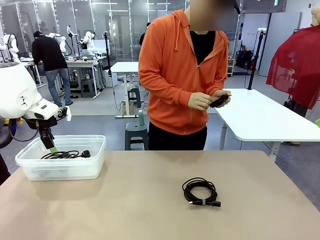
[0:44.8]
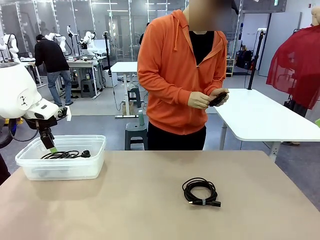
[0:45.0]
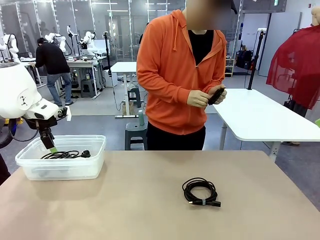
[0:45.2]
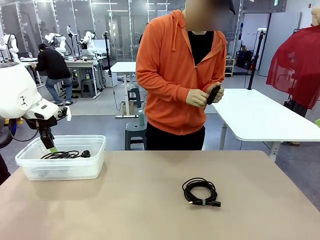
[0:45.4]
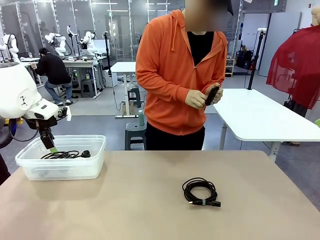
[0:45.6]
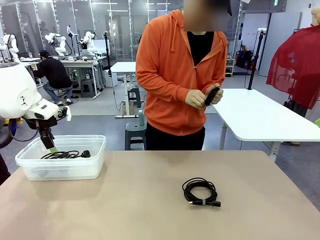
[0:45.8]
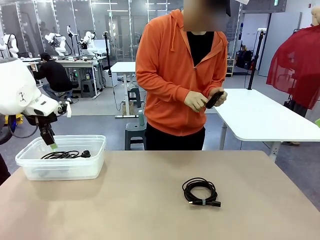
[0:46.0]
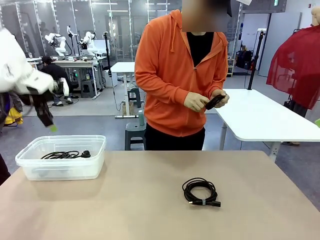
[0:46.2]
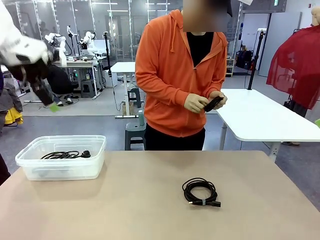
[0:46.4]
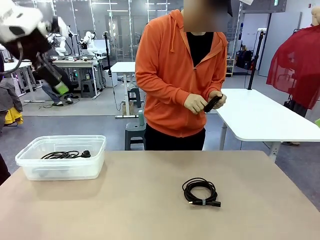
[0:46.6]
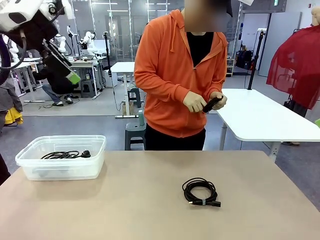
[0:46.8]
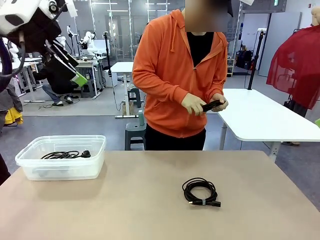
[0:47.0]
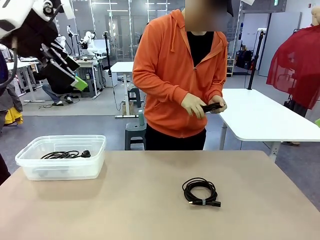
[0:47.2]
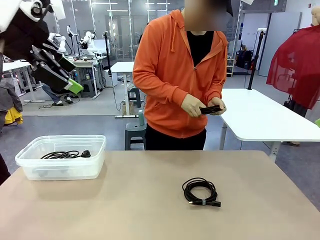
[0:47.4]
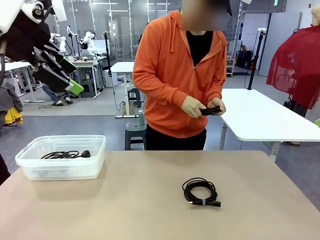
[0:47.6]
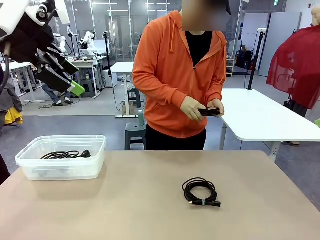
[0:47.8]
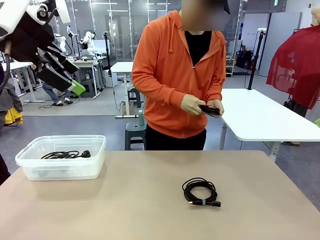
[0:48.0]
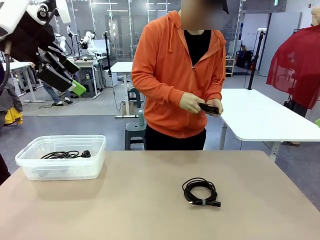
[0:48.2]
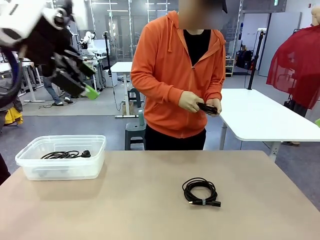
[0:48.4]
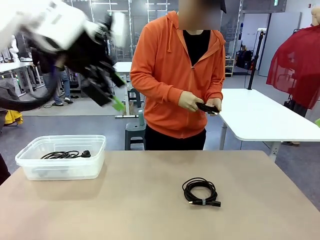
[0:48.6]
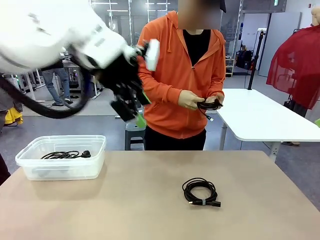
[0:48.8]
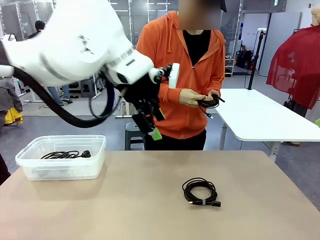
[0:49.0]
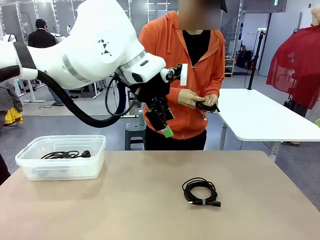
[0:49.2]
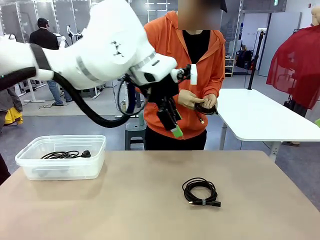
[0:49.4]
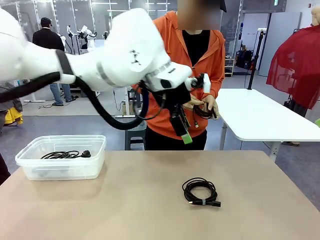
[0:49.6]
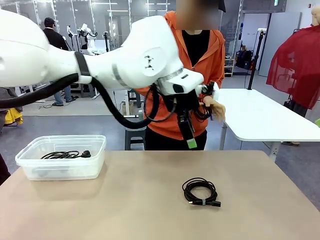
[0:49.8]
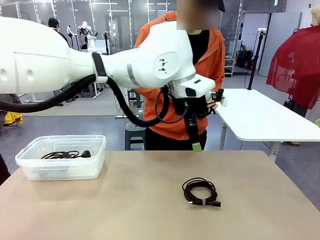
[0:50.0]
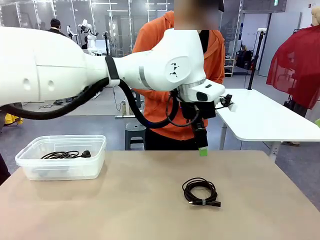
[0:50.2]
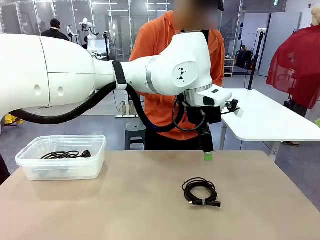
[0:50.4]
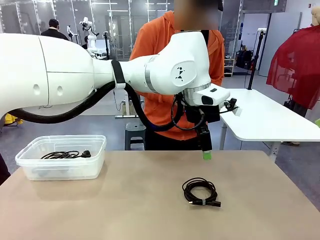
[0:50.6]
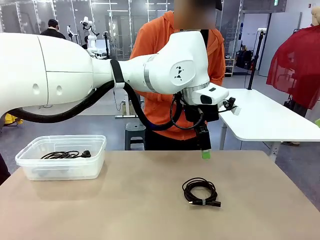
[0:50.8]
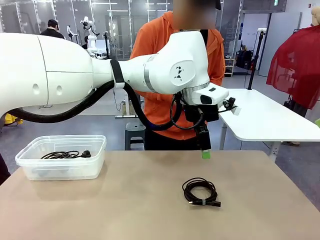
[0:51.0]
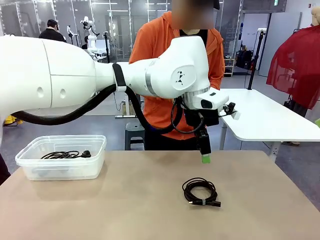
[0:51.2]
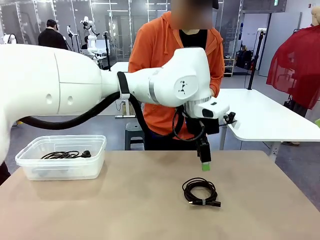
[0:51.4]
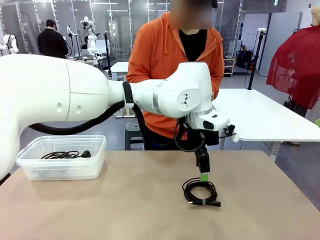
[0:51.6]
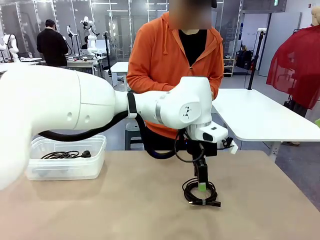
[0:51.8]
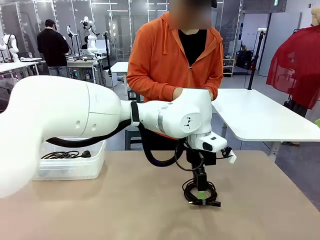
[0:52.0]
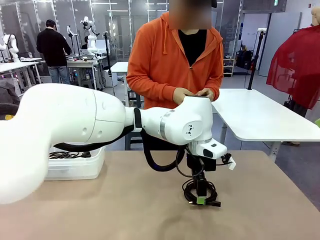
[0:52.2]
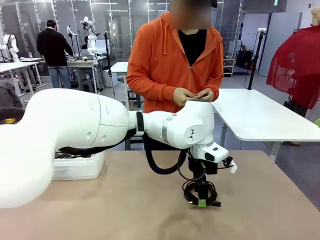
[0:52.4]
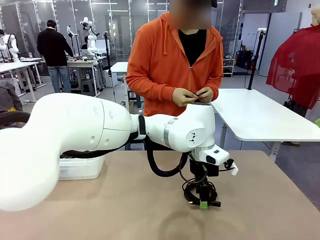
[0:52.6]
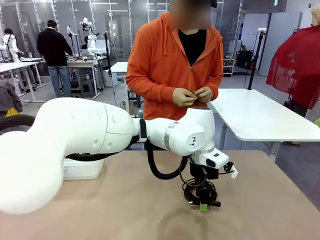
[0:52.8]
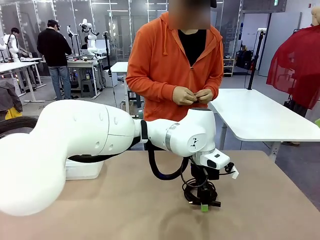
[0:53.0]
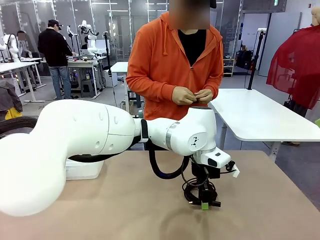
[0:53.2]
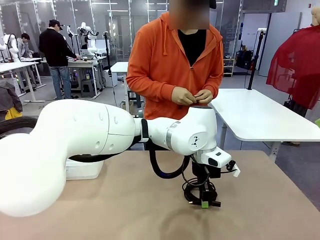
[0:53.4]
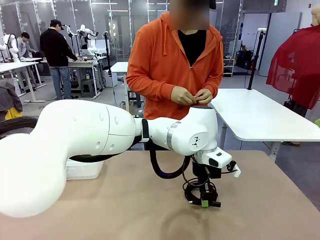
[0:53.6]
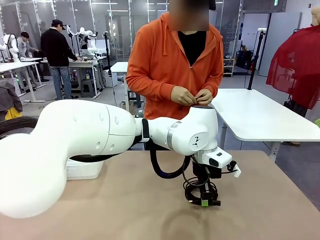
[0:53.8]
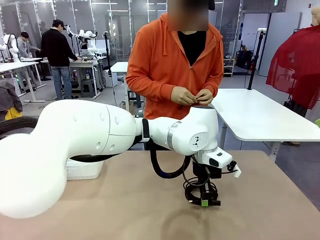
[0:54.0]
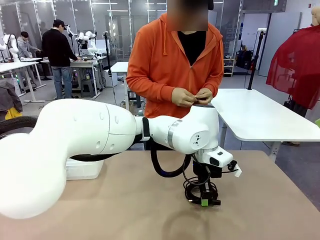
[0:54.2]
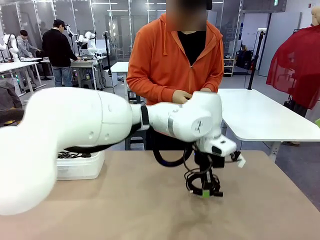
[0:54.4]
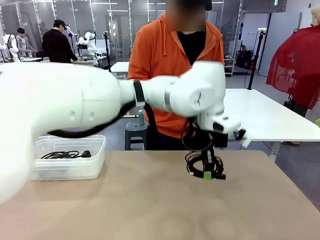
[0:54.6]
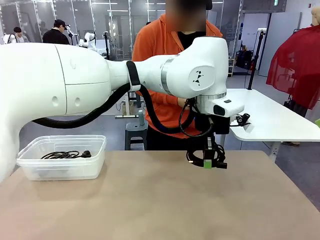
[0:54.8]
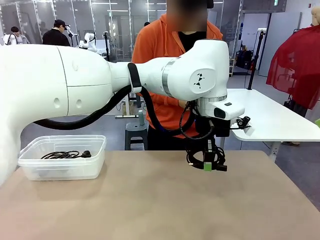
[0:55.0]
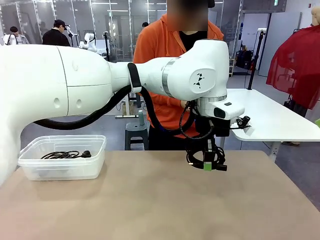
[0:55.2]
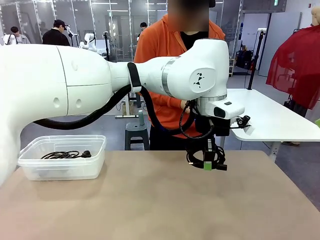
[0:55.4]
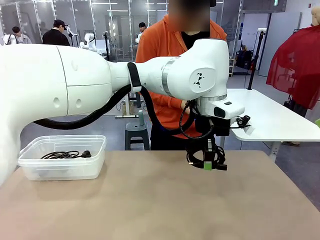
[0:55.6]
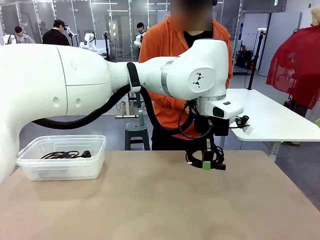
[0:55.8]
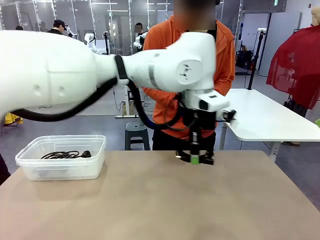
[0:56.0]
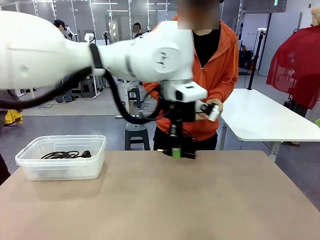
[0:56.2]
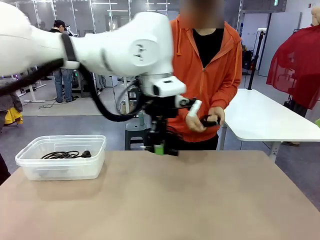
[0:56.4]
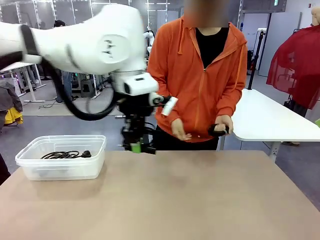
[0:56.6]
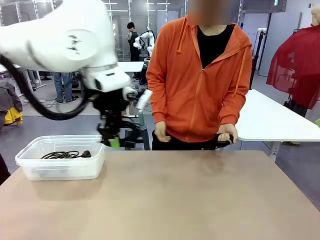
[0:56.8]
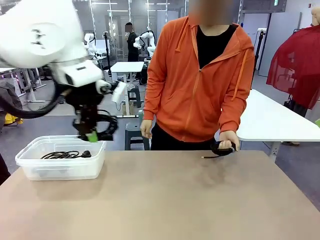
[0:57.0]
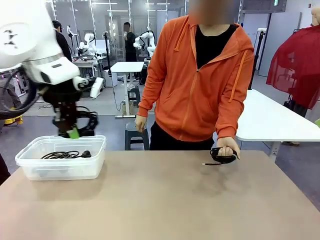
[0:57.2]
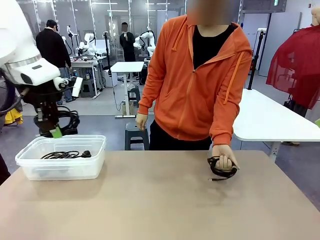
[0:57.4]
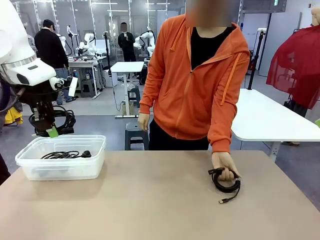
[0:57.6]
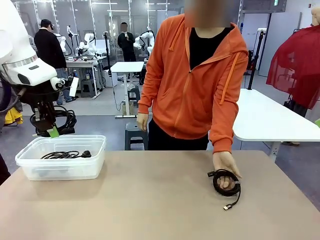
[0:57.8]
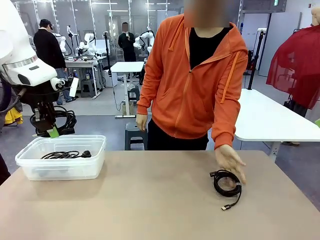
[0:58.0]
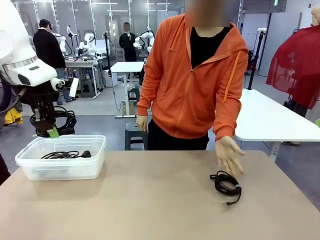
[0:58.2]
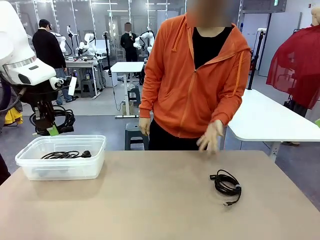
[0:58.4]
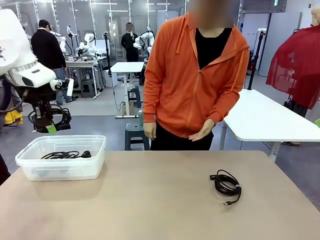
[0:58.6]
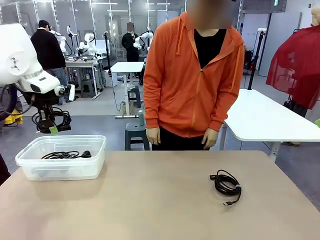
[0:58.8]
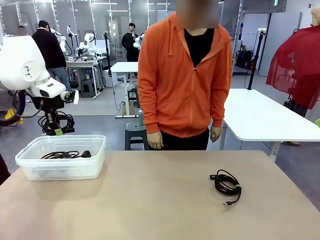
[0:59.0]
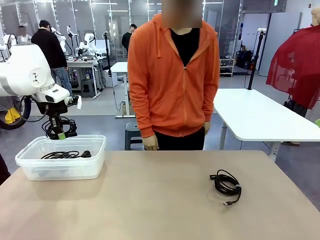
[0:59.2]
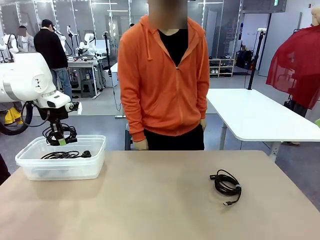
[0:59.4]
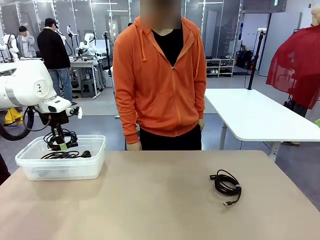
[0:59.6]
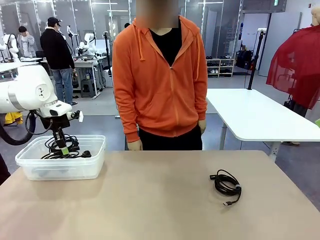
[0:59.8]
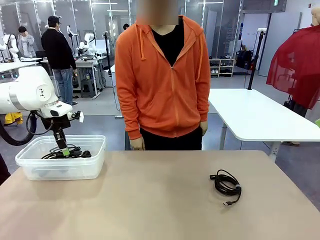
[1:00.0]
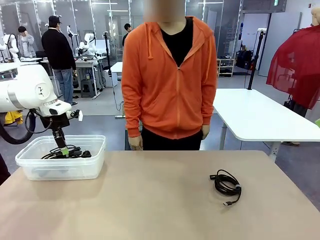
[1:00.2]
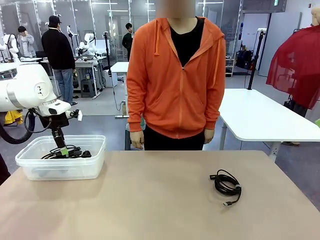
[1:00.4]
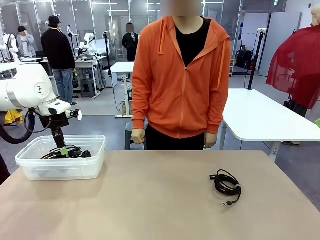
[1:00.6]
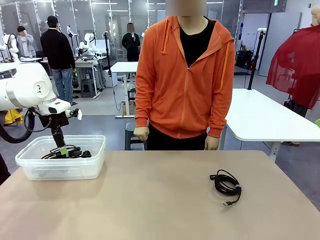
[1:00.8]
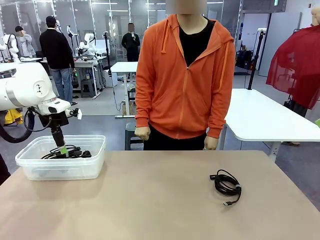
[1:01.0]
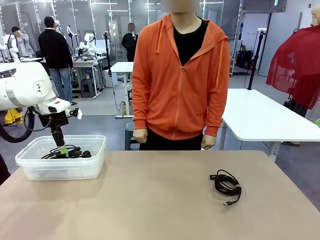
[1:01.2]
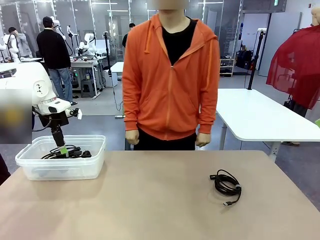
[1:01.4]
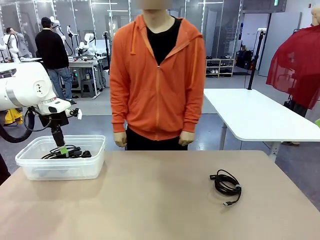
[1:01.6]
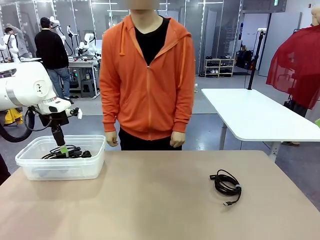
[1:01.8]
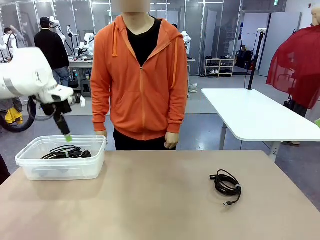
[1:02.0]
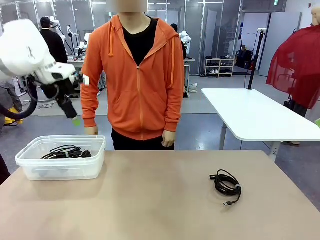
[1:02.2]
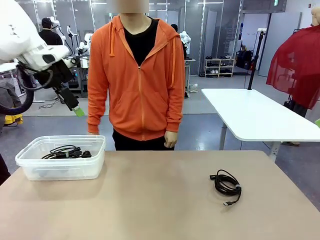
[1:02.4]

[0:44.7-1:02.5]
Task: Organize and store the cables.
Robot: Place the USB Extension Cable into the Organizing box.
